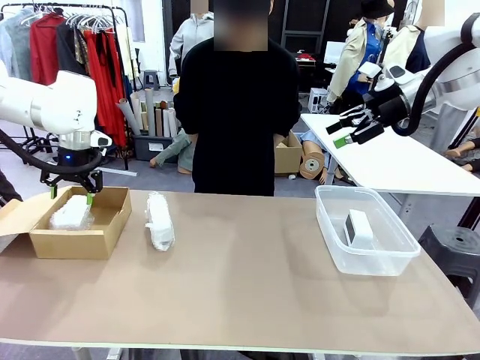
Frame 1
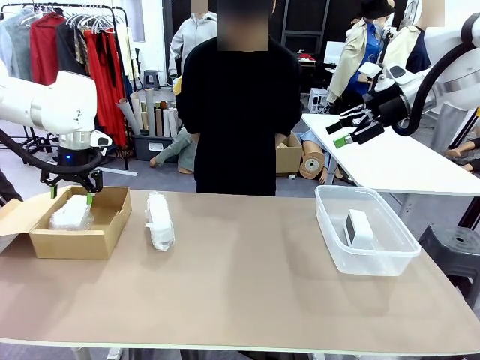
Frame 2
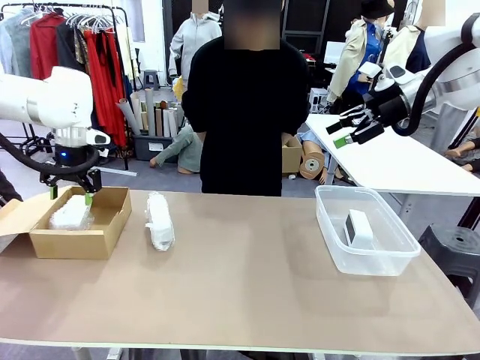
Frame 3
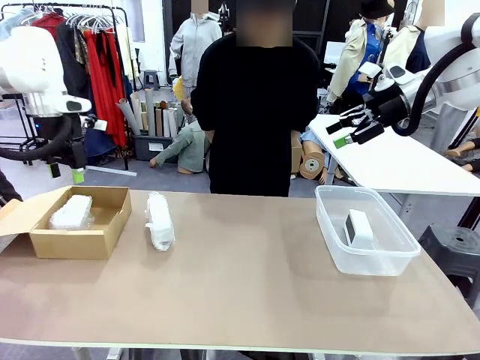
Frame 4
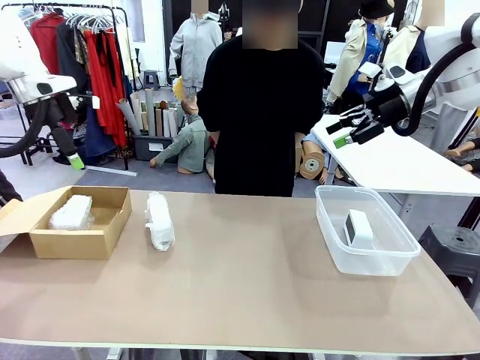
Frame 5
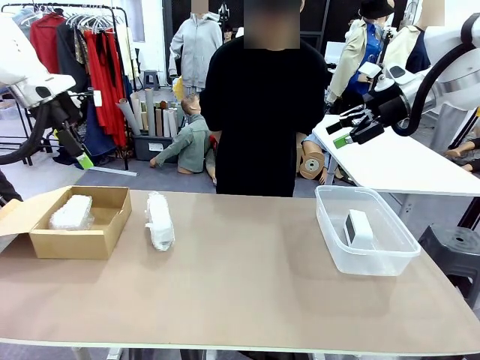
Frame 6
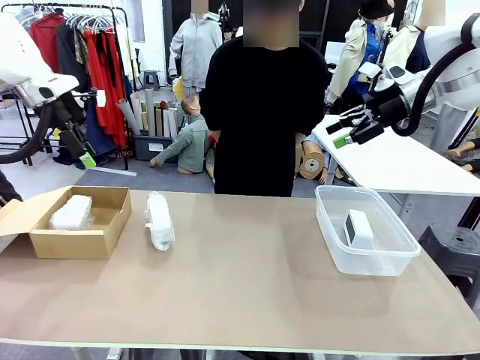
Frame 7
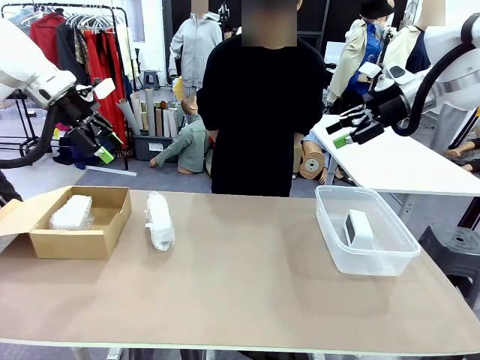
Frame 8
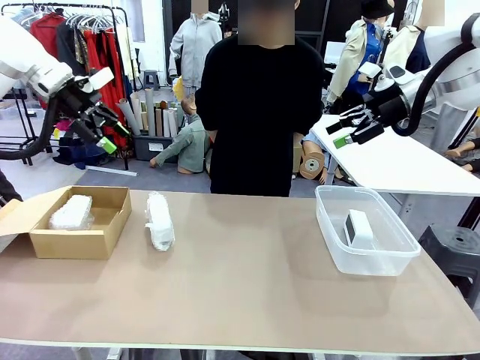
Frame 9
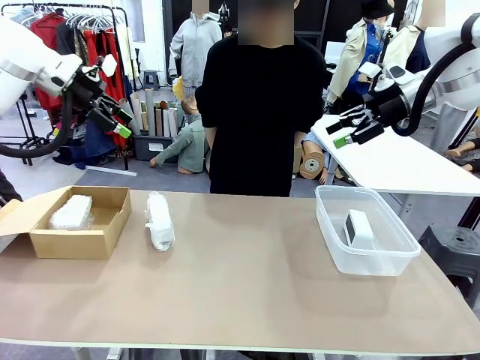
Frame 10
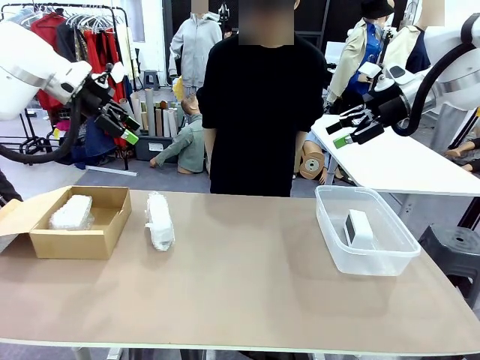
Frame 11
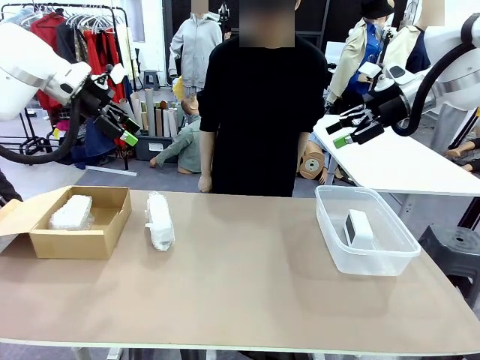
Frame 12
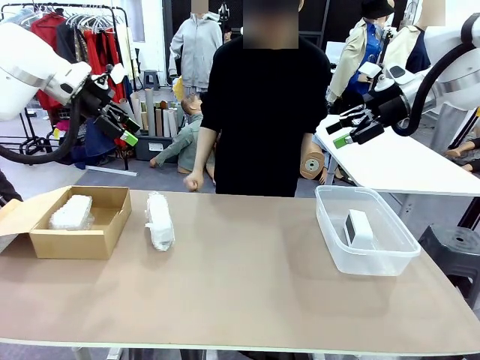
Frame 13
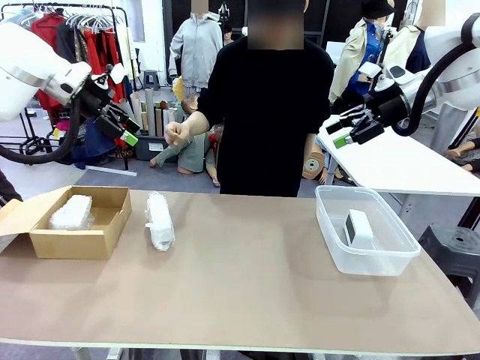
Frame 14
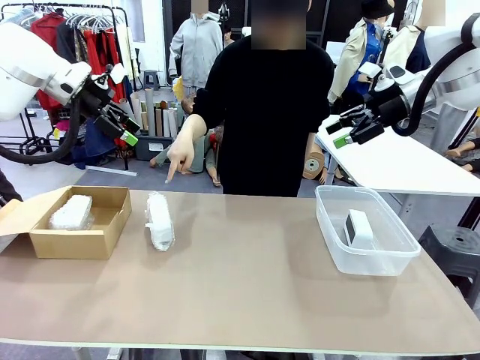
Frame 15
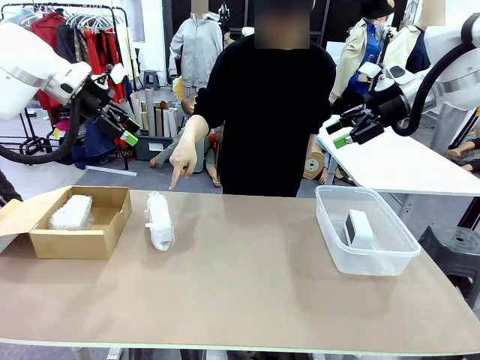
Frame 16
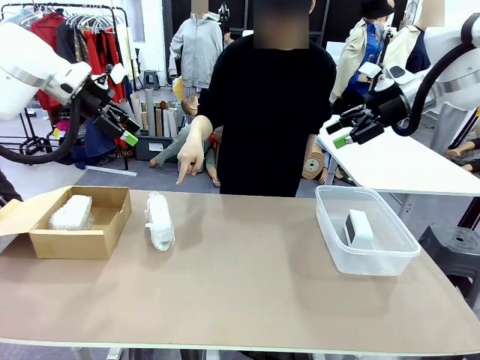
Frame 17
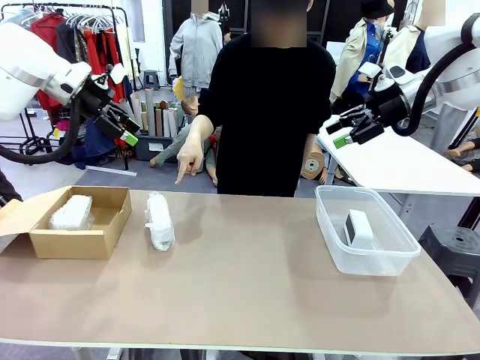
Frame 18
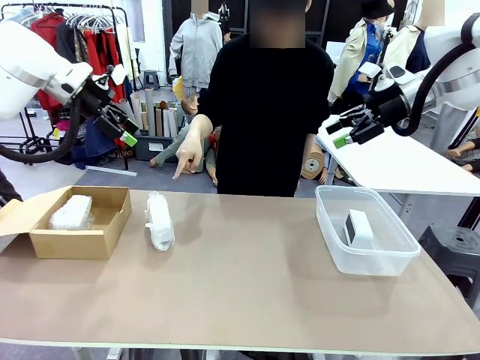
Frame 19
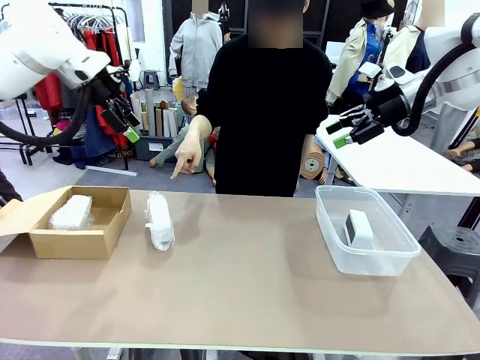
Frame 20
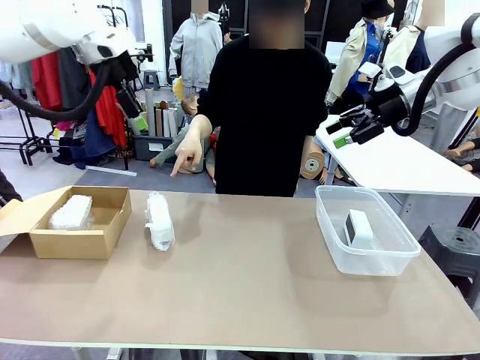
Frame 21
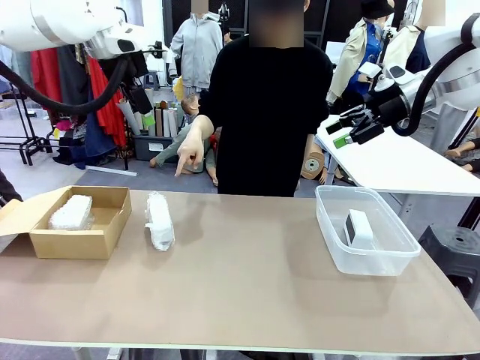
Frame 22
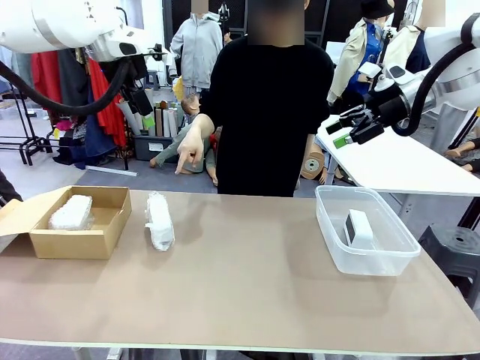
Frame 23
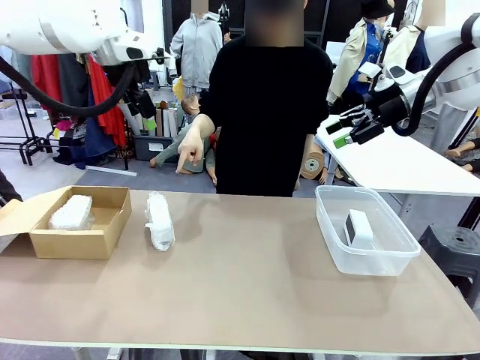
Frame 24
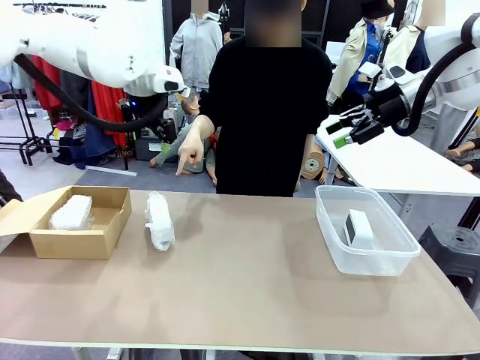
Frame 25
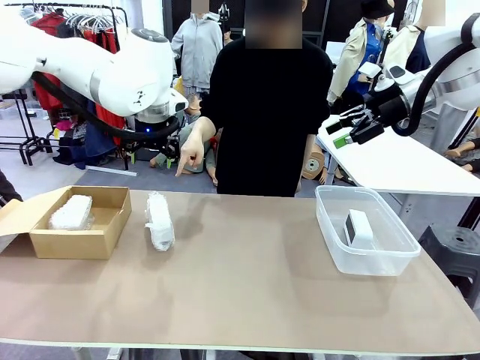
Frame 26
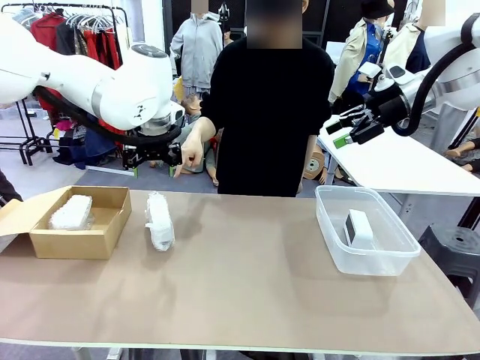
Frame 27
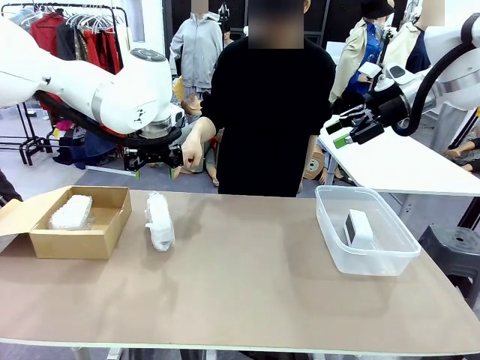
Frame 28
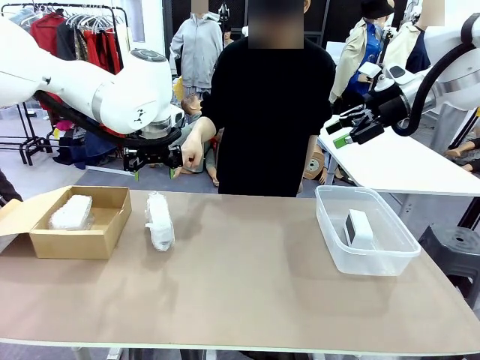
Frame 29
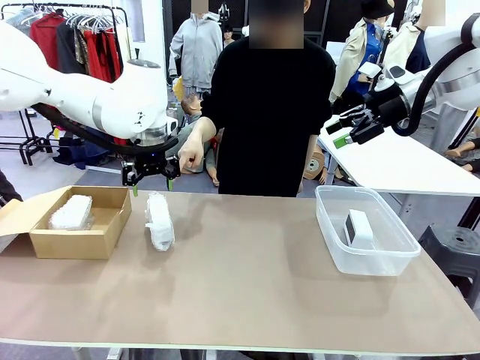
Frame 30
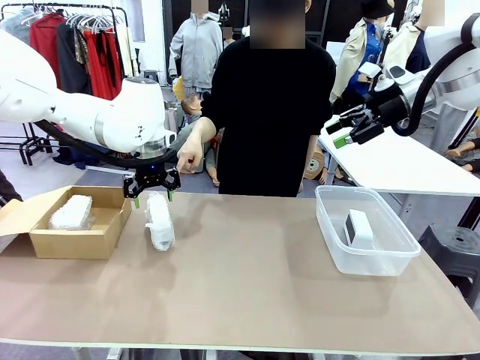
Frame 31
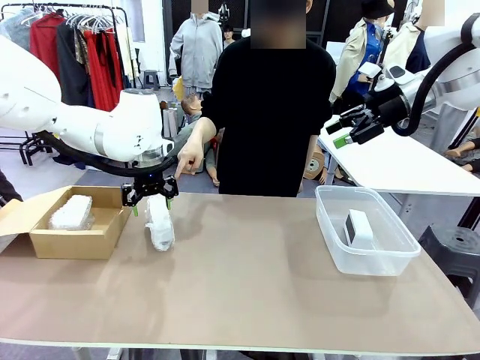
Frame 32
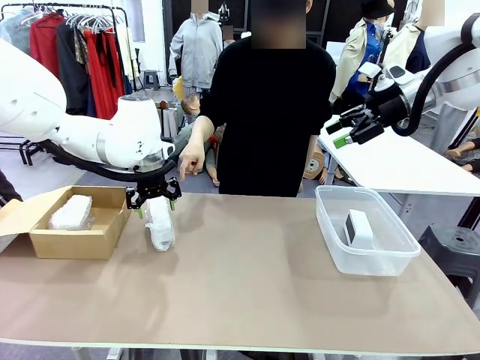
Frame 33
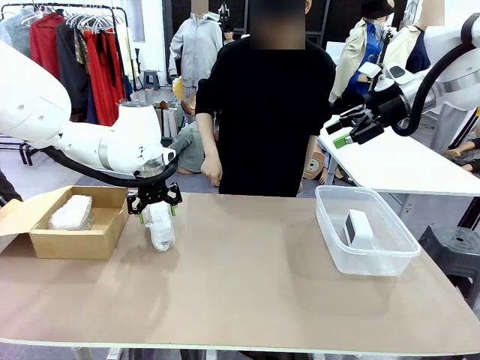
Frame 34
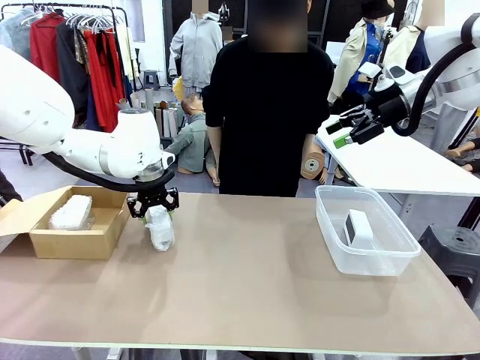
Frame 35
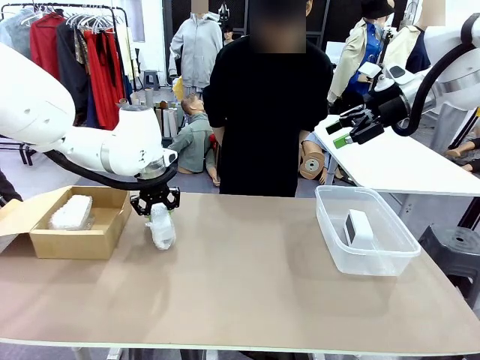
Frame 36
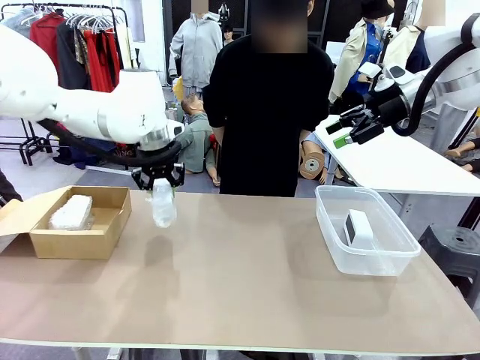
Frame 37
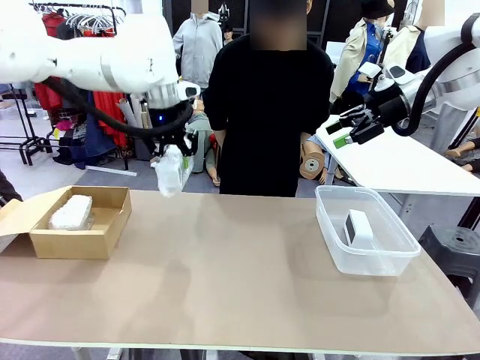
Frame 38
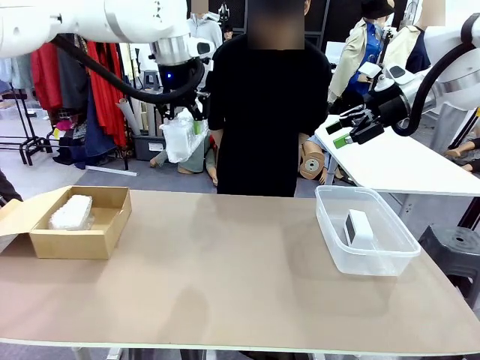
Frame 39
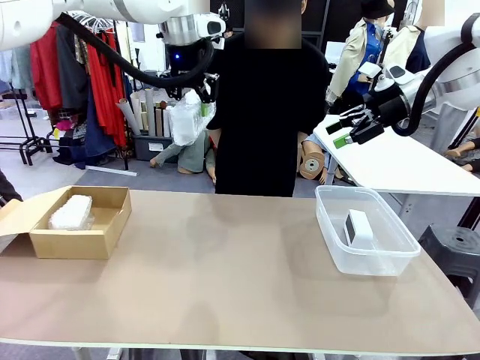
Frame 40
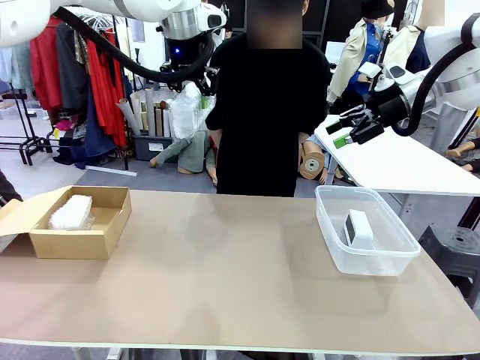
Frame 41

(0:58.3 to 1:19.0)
Task: Separate and place wrapped and unwrapped clocks.
Robot: Pick up the Digital clock indicated by the person.

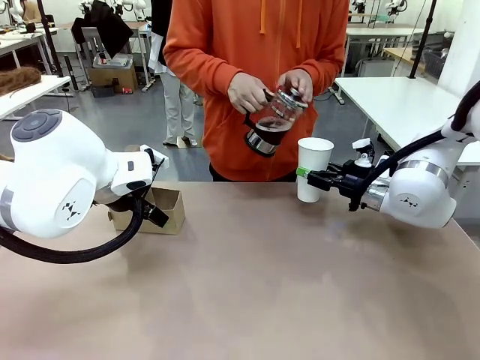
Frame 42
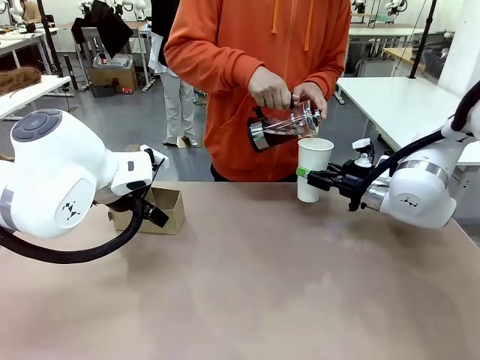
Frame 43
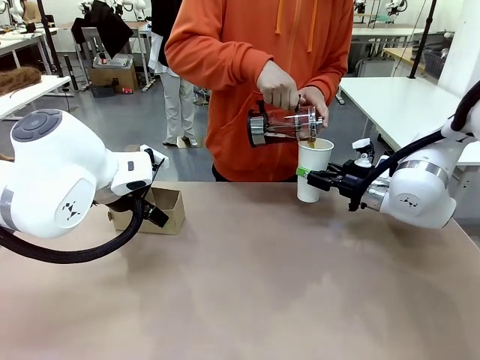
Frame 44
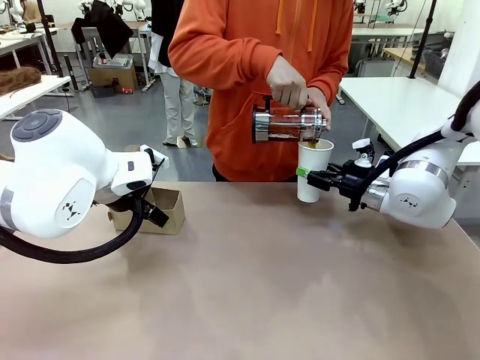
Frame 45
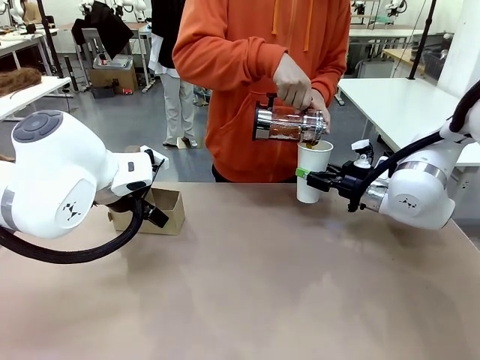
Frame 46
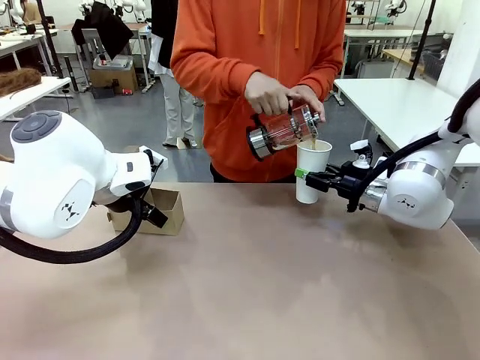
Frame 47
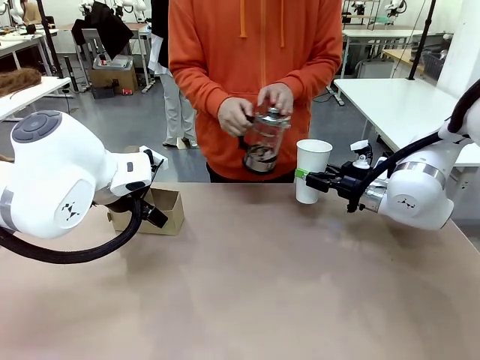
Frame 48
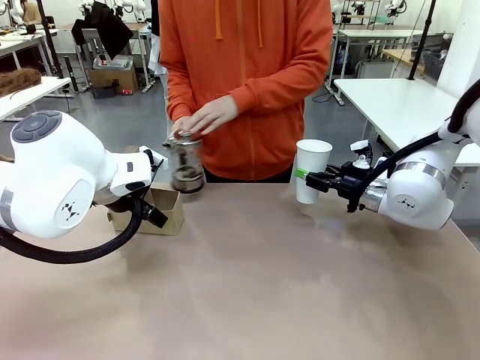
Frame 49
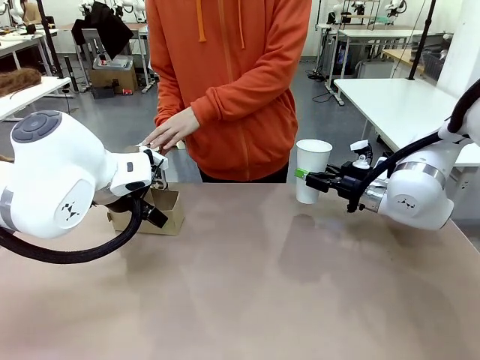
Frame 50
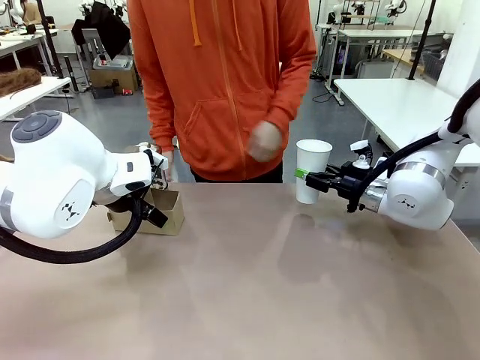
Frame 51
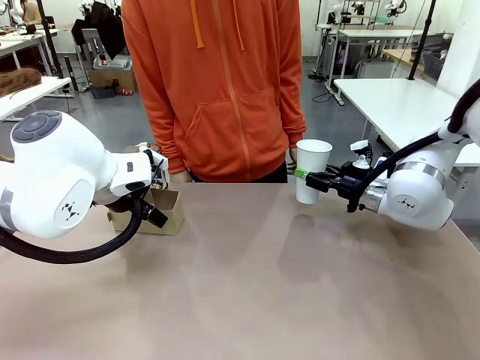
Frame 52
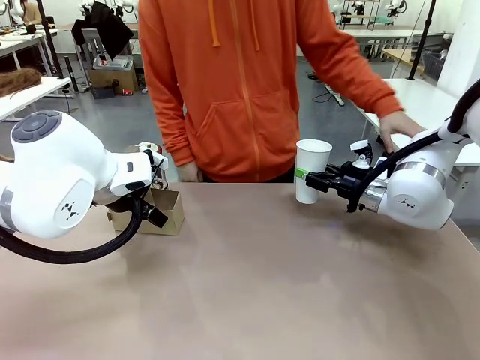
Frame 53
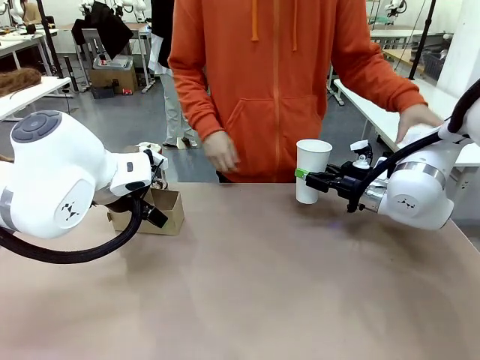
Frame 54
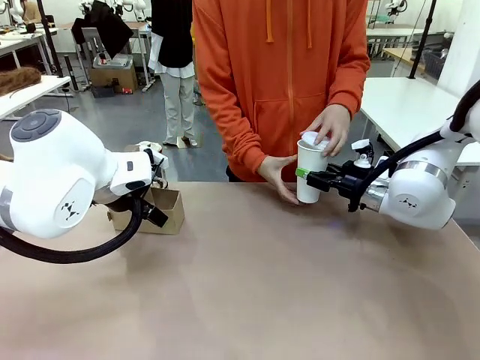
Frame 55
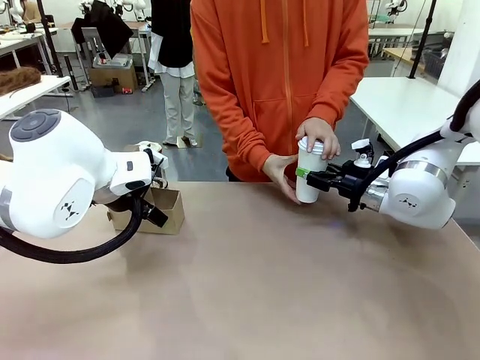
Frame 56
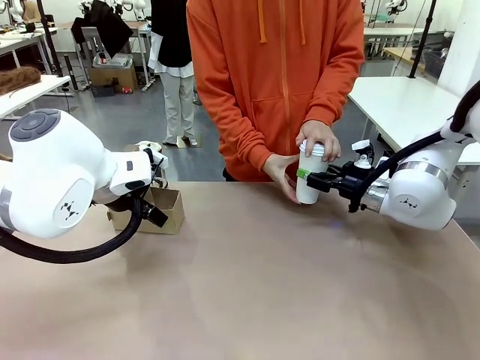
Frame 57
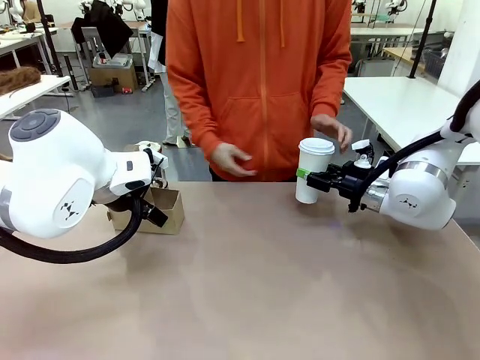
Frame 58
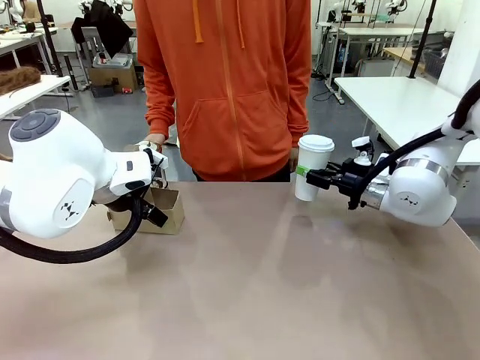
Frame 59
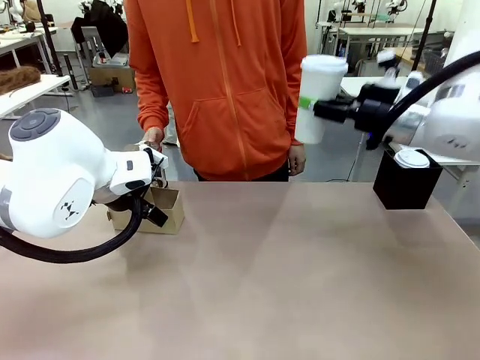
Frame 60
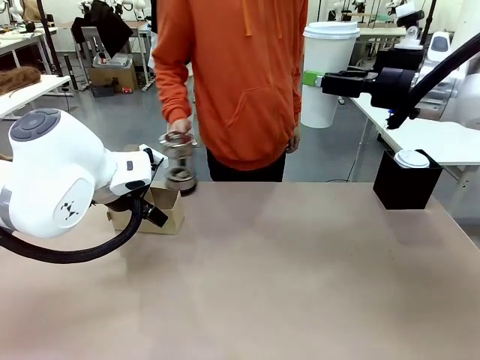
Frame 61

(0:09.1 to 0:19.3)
Task: Pour a drink into a cup and package it in a carrier.
Robot: When a person places the Paper Cup Lid on the 600 ml Paper Cup , lift the 600 ml Paper Cup.
Person: Pour the drink from the Filter Brewing into the 600 ml Paper Cup. Place a Paper Cup Lid on the 600 ml Paper Cup.
